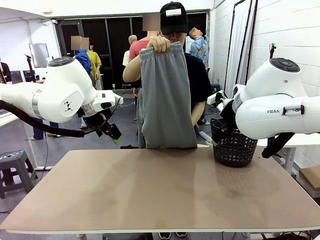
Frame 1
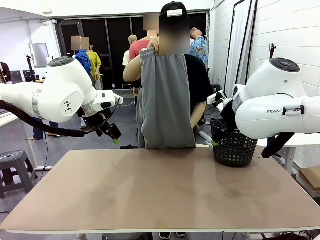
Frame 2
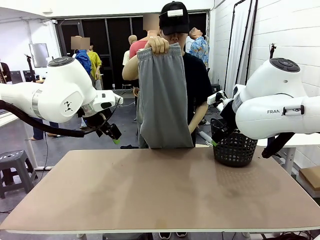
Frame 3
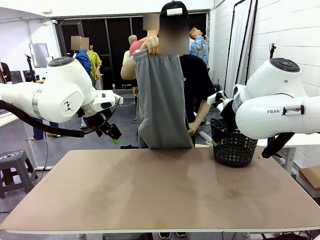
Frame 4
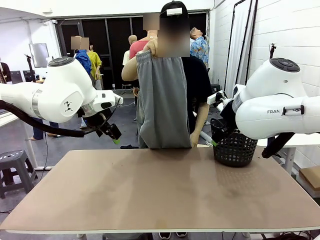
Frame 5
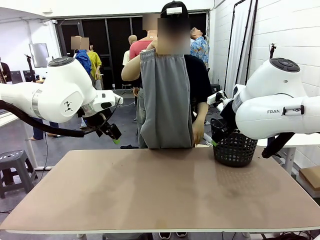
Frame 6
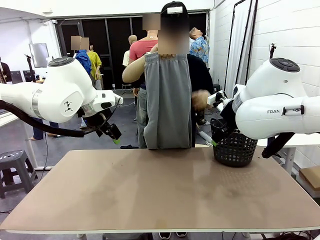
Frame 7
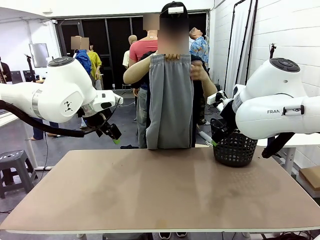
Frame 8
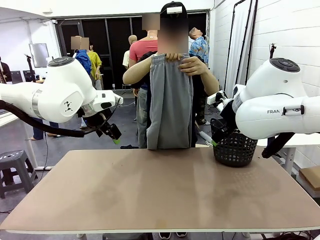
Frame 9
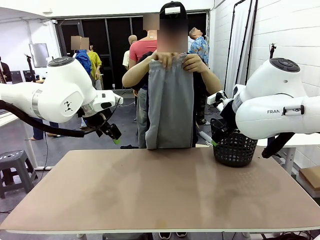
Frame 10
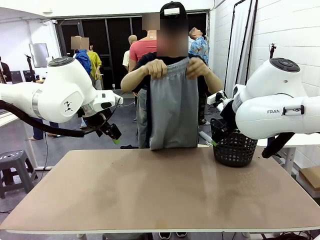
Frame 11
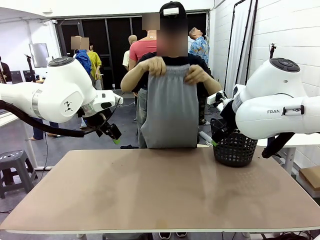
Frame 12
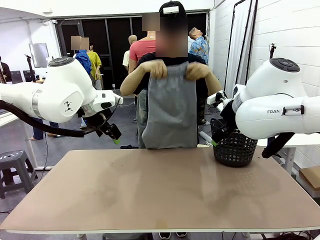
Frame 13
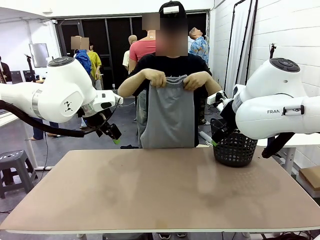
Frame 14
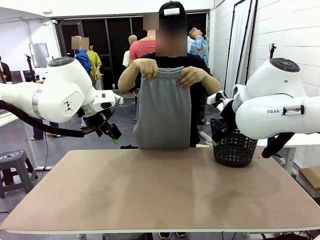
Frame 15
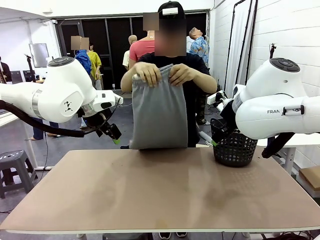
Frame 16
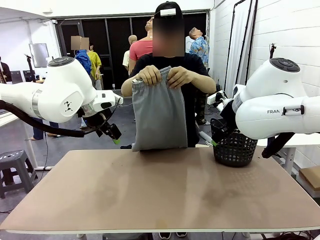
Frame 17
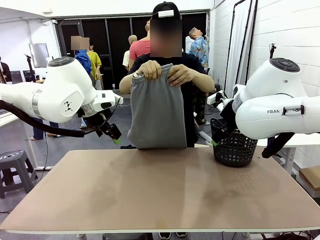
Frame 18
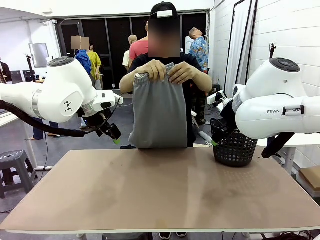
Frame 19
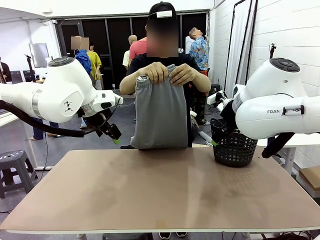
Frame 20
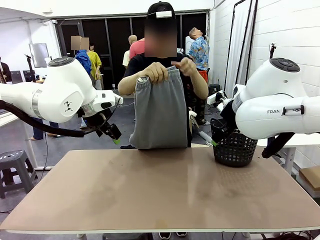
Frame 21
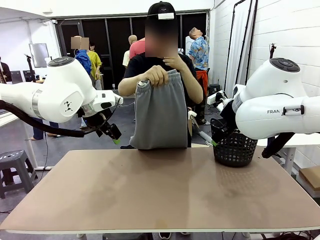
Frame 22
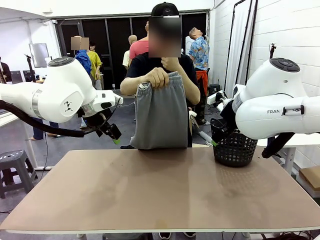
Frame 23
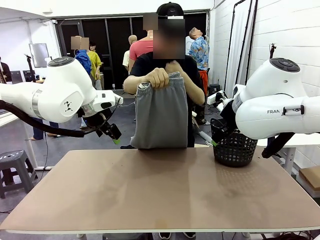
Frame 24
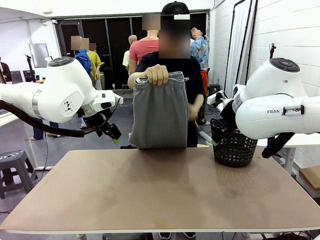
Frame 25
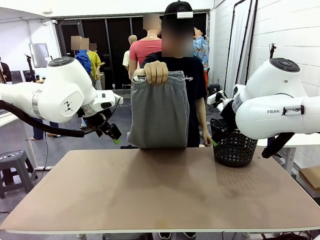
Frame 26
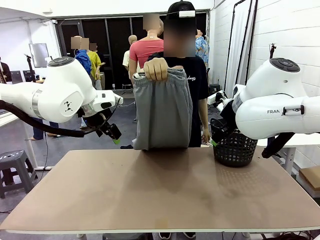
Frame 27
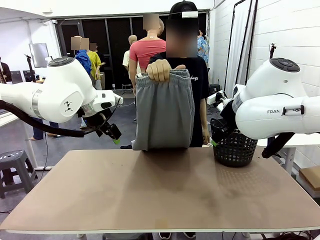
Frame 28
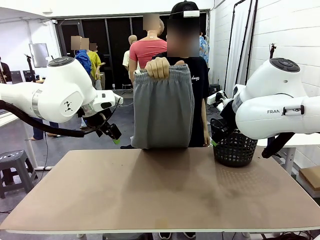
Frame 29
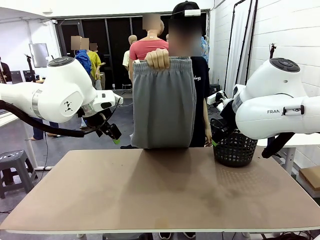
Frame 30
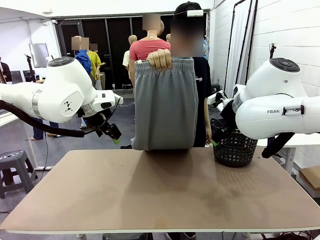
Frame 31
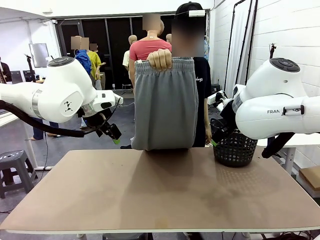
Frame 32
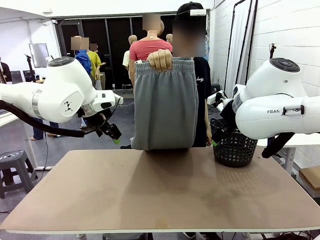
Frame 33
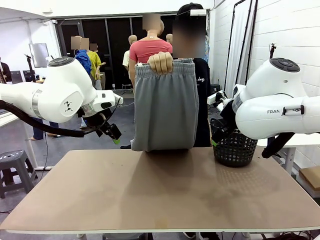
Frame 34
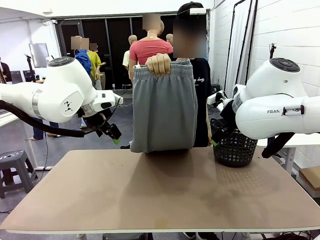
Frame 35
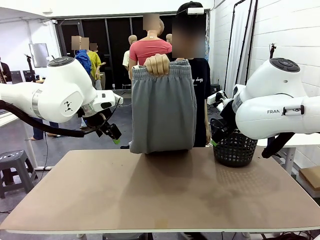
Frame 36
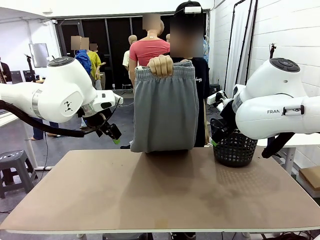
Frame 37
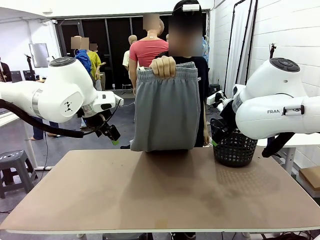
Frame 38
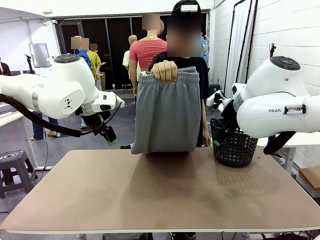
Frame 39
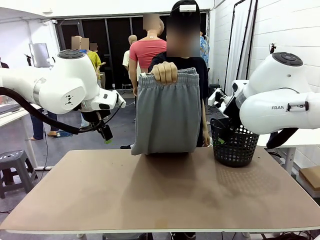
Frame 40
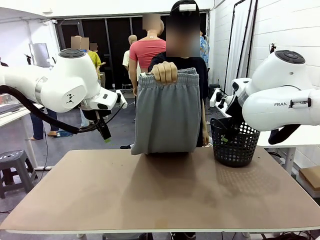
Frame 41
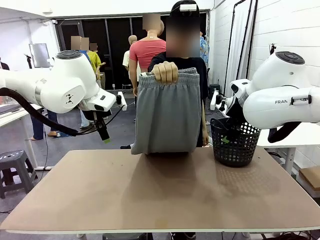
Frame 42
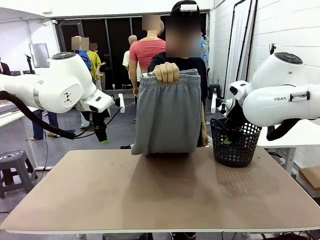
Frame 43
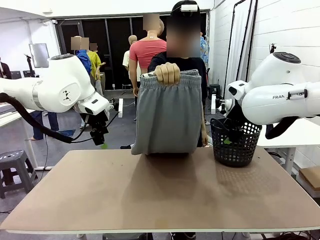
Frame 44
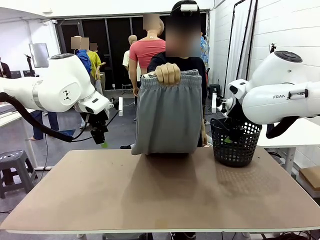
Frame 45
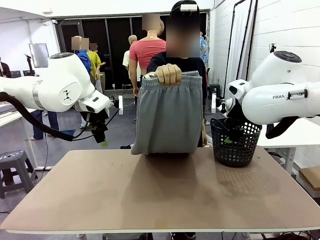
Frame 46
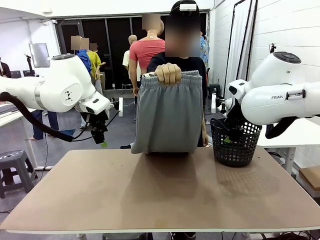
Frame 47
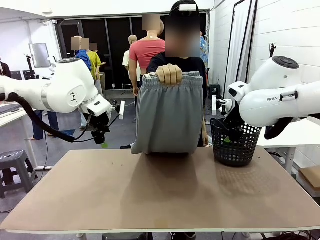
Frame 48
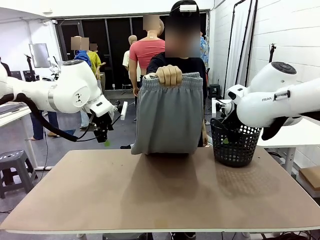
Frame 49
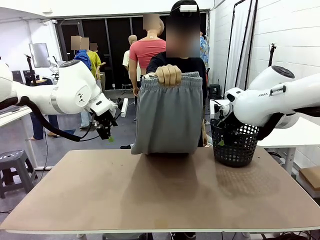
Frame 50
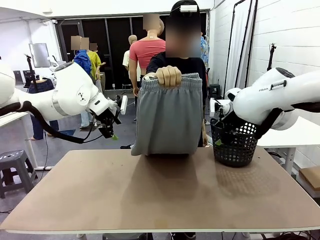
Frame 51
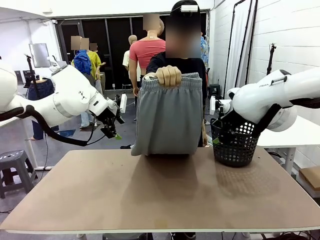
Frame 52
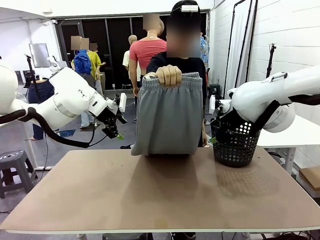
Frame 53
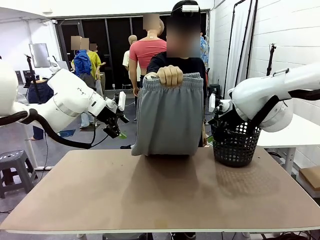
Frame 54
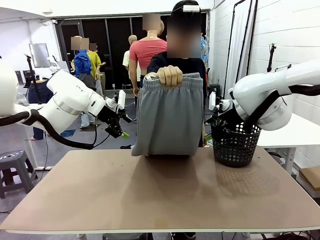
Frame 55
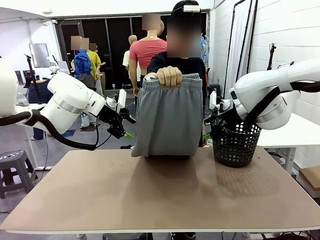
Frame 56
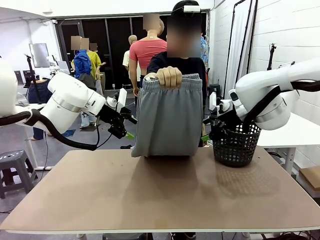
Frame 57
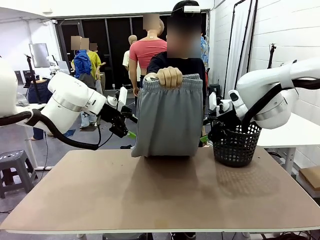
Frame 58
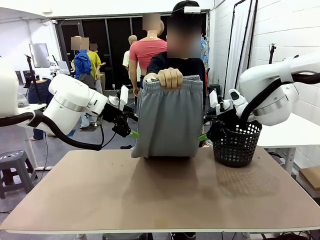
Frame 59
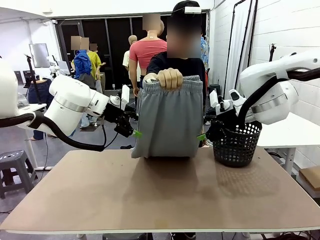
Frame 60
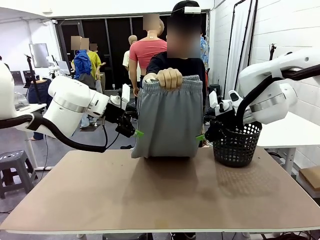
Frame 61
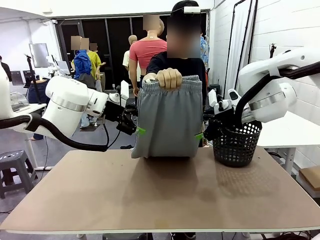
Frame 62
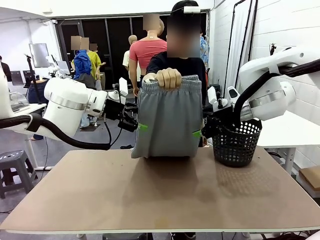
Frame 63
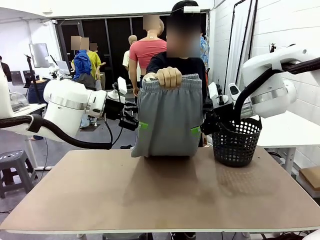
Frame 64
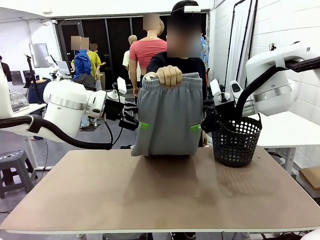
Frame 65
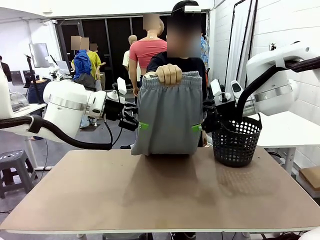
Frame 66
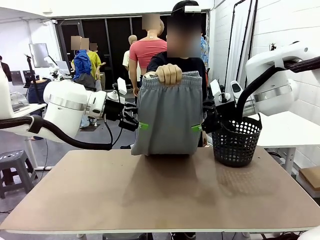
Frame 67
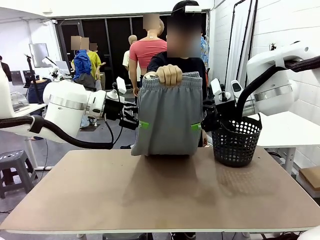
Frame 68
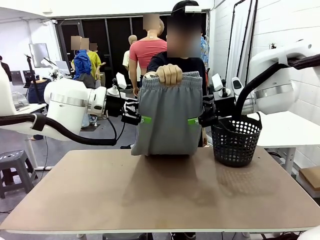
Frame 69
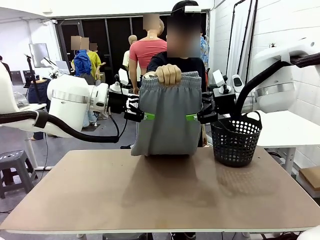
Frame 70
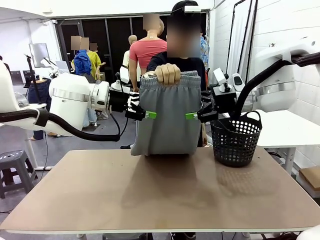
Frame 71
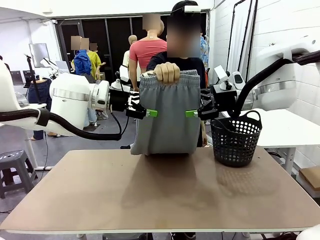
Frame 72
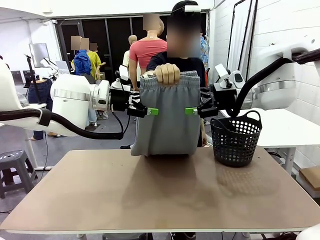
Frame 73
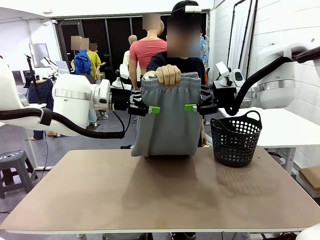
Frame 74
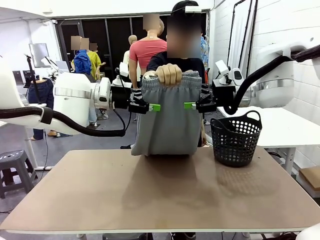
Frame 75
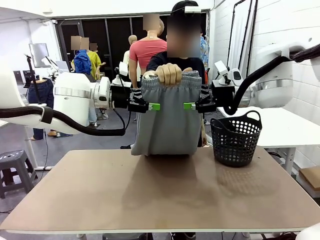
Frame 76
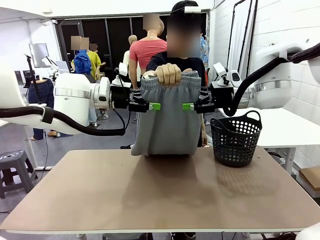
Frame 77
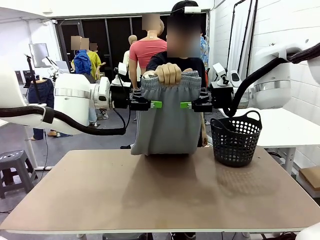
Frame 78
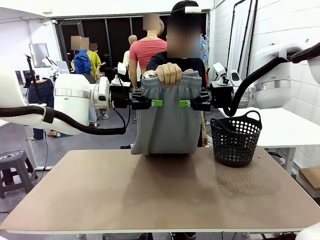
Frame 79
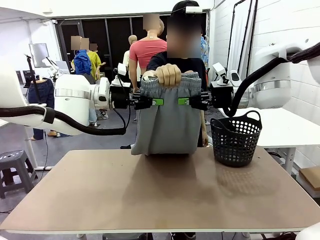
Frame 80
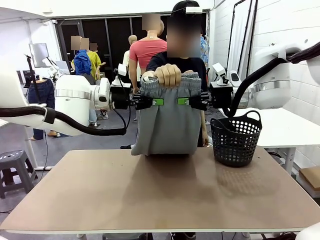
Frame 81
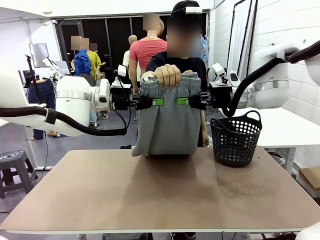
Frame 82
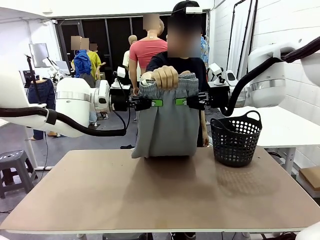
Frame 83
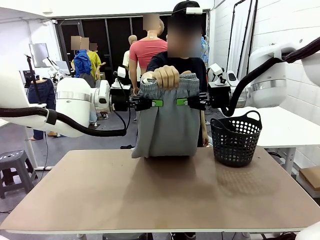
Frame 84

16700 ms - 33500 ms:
Task: Fold the training pants.
Robot: Grab both ends of the Training pants handed by a person.
